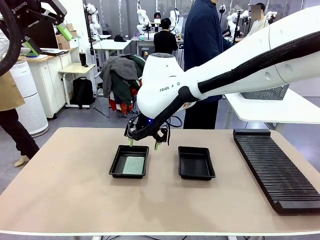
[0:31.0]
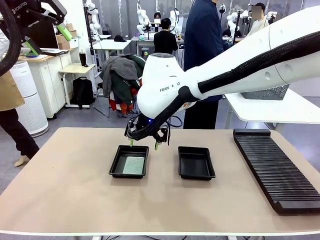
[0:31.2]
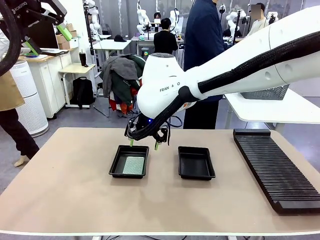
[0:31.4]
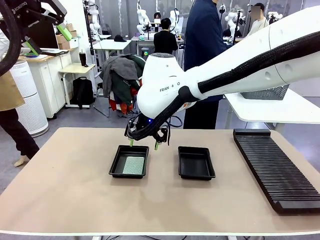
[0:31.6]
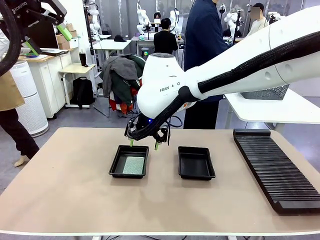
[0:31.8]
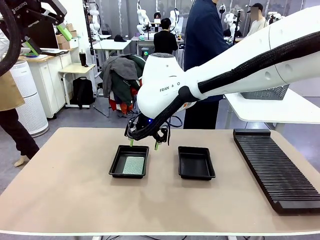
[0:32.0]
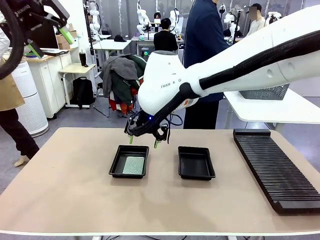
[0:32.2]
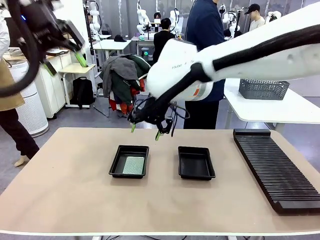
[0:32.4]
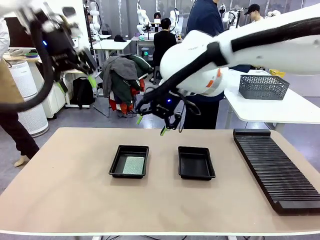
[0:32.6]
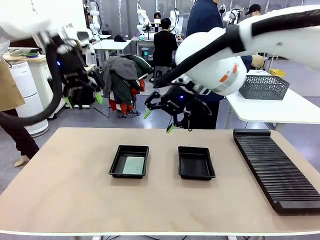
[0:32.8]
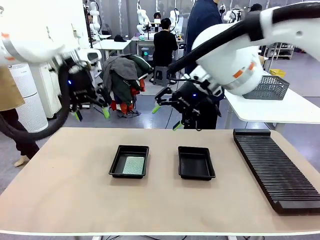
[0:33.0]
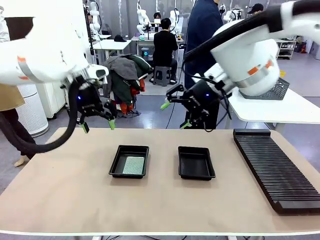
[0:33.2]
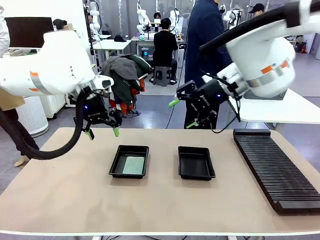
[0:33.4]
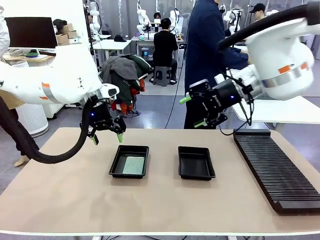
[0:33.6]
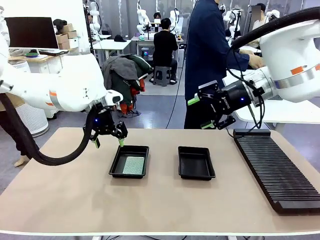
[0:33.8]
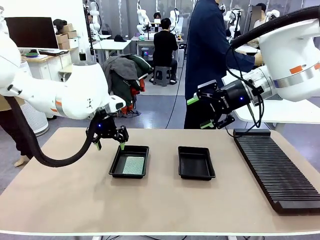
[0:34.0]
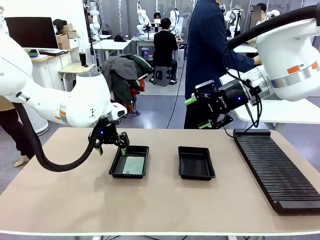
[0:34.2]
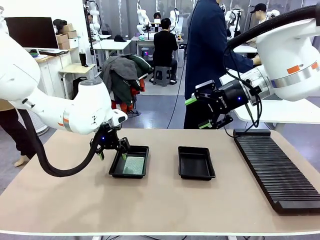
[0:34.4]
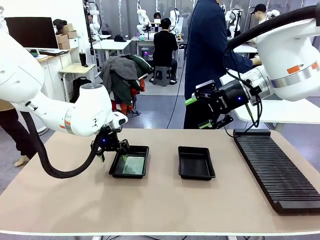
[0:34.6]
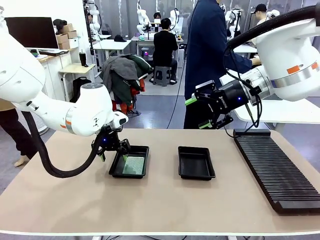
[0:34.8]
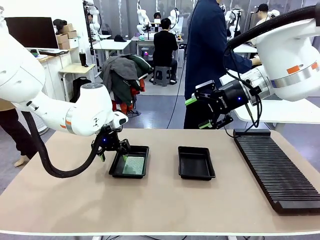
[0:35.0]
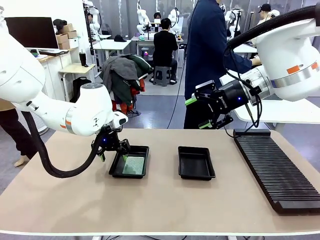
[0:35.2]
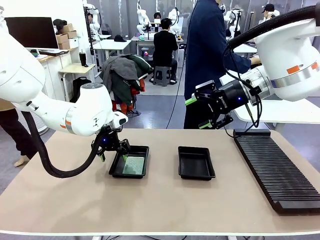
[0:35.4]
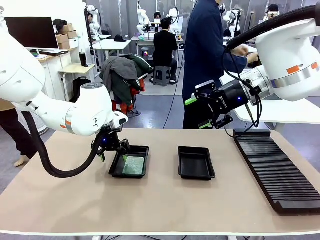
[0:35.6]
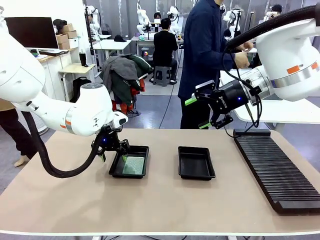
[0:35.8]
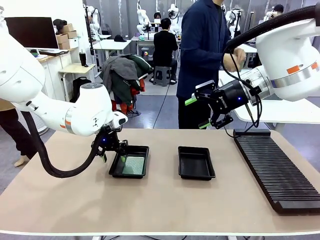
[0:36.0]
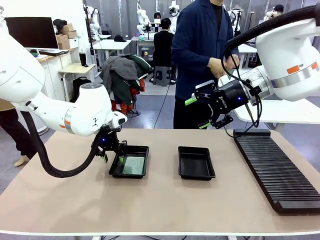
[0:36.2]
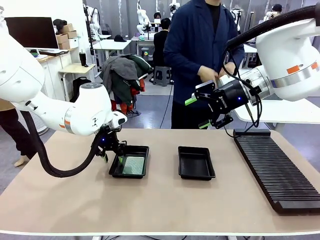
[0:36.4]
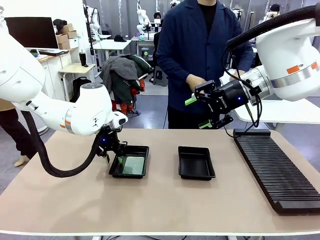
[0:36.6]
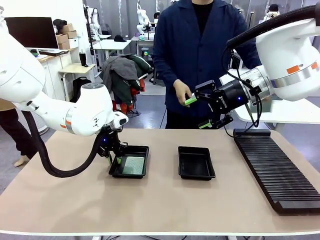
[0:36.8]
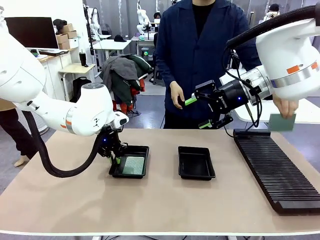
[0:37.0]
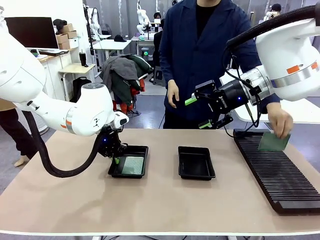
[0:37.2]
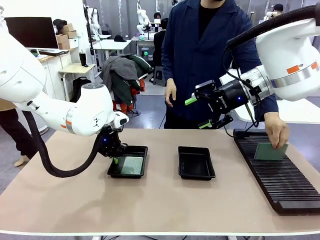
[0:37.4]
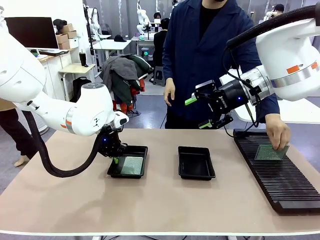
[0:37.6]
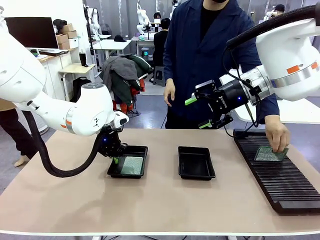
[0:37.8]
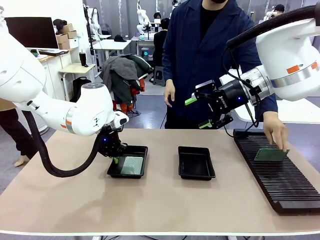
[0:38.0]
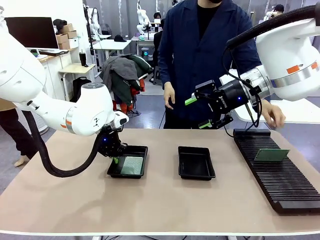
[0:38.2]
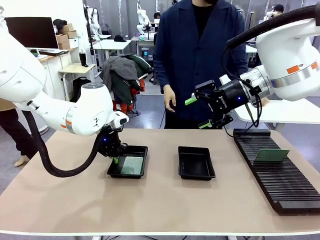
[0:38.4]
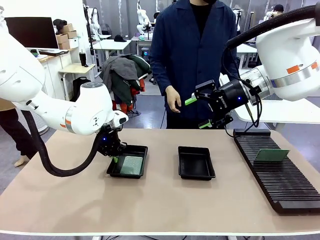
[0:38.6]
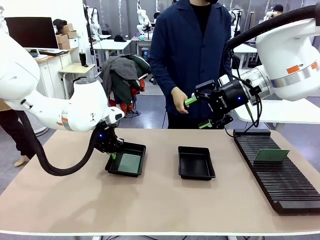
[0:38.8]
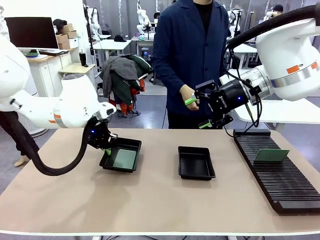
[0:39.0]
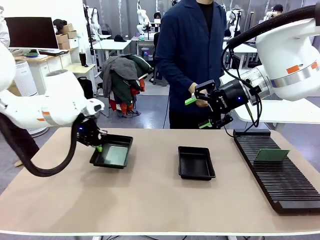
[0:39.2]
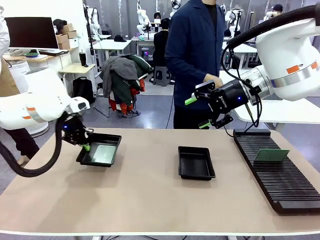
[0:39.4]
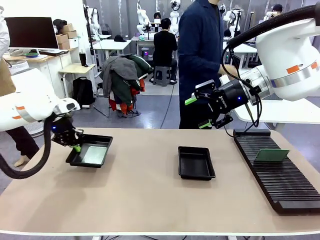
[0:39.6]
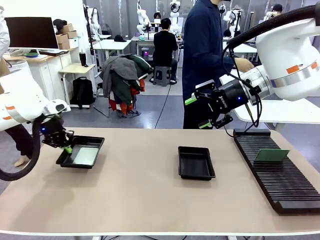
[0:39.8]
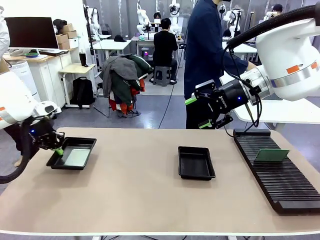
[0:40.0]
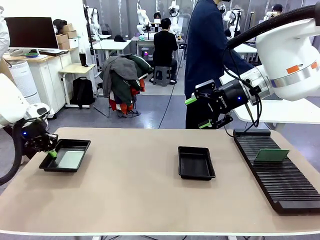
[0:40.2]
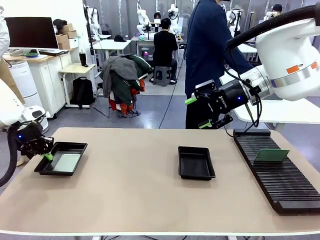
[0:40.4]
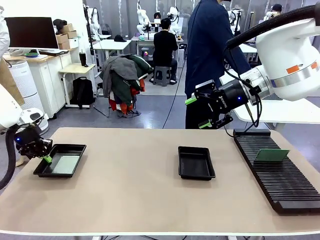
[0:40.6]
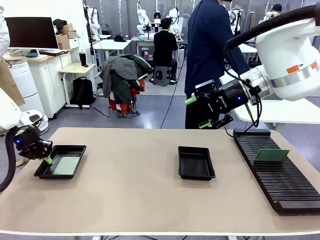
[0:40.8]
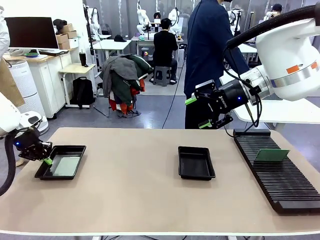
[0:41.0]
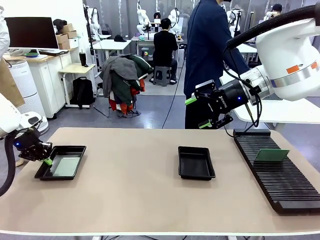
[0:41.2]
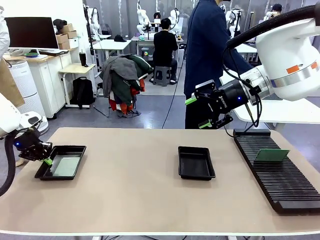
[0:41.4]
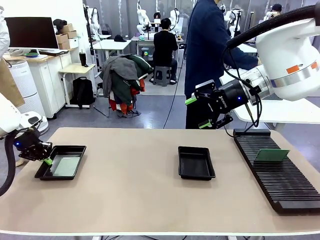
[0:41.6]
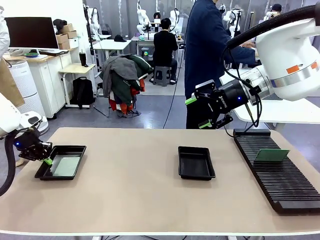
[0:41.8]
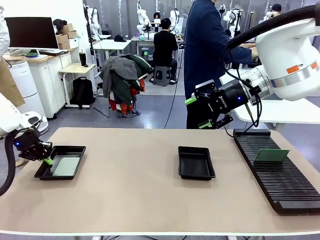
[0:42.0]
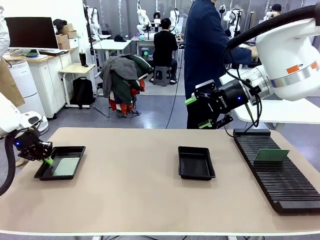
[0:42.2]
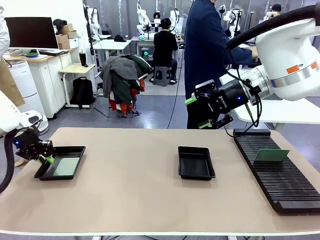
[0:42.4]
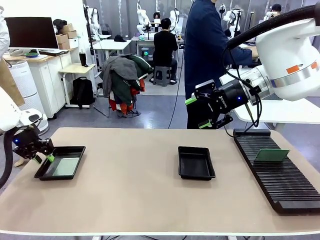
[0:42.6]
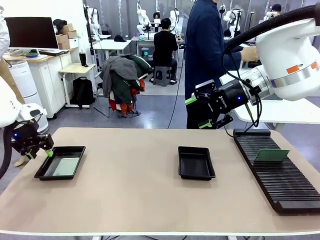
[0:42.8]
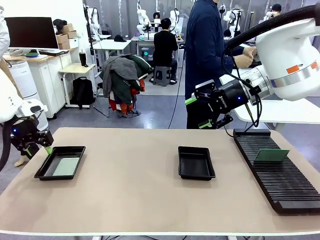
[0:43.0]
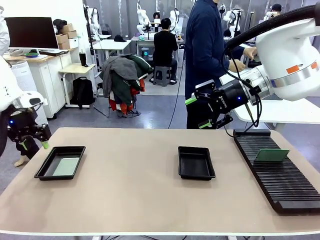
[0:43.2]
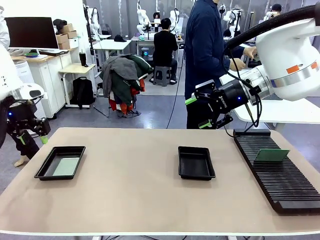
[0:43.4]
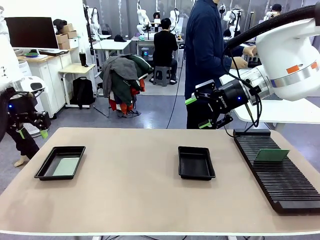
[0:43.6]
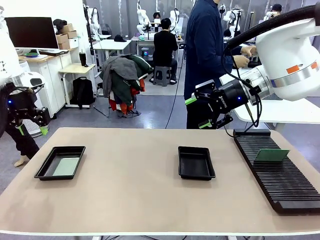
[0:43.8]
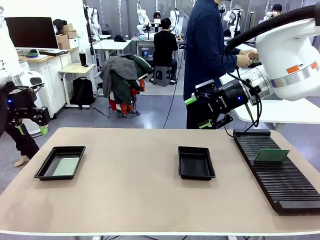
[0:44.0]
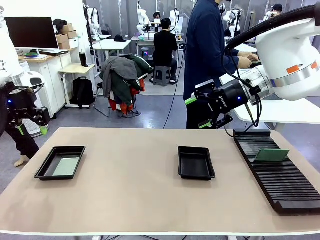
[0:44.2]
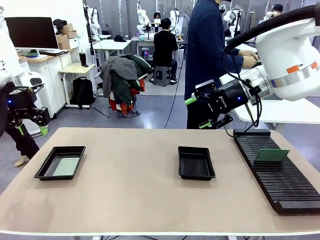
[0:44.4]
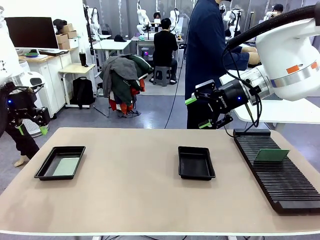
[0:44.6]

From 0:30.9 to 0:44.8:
Task: Inspect and transfer BCBs to ESD trays.
Robot: Pick up the ESD tray and place it on the left side of the table.
